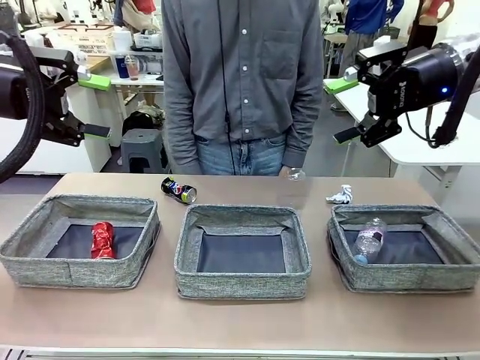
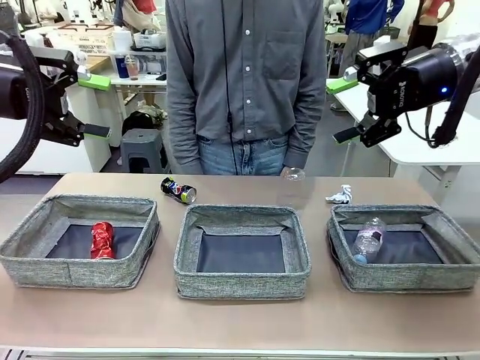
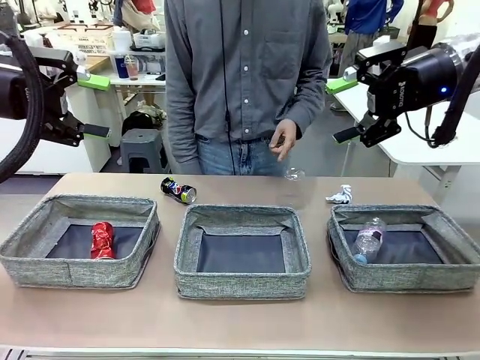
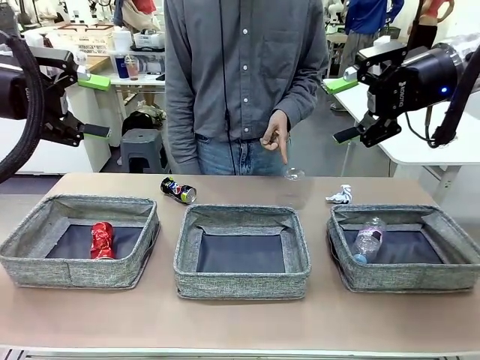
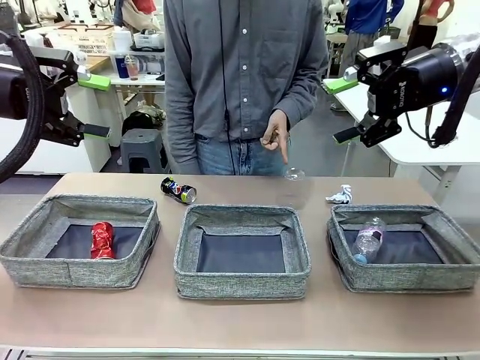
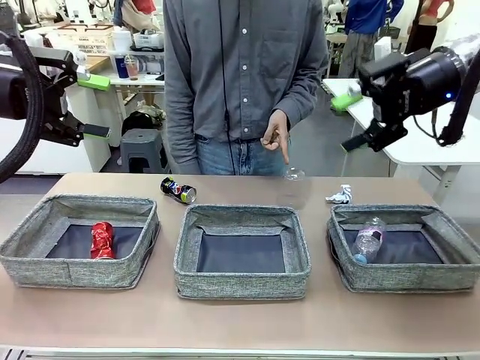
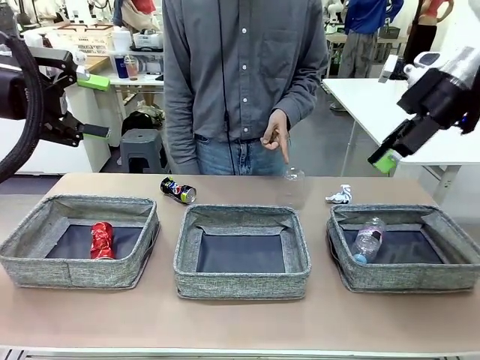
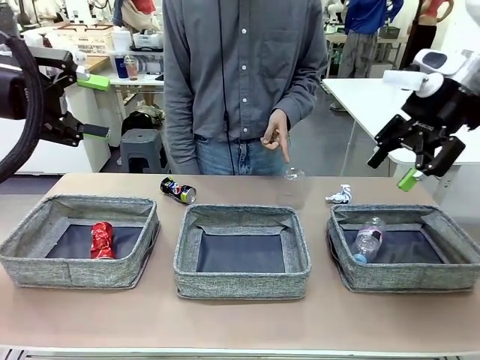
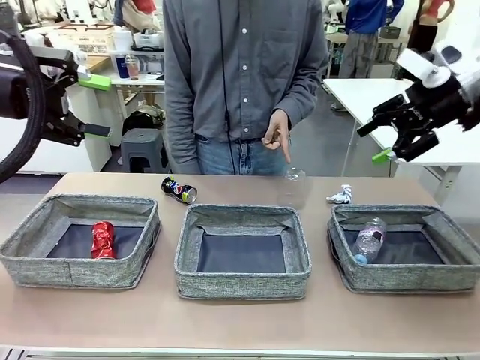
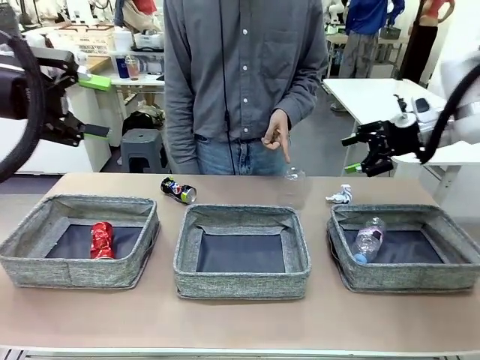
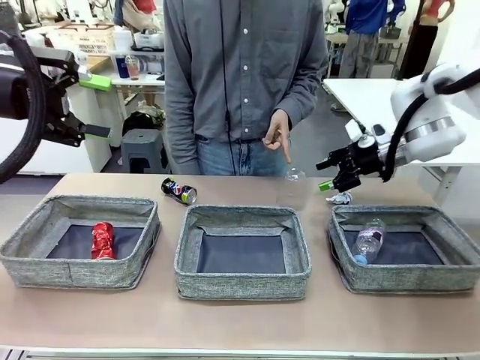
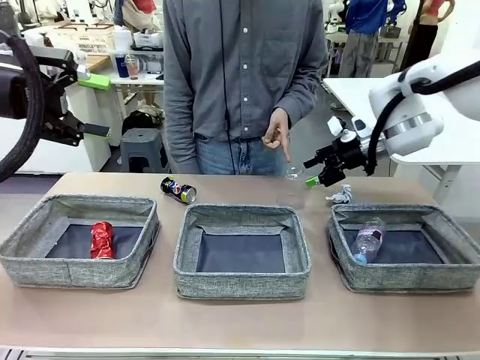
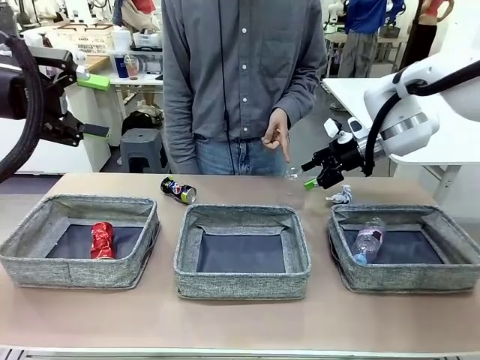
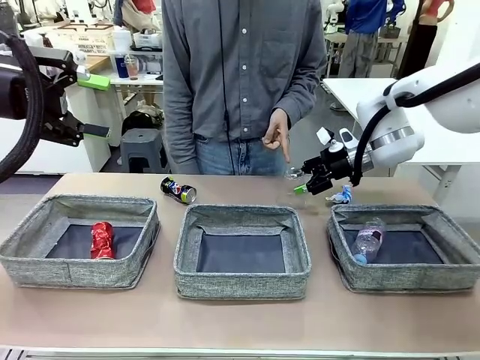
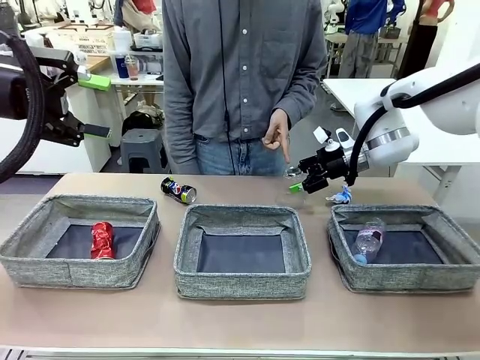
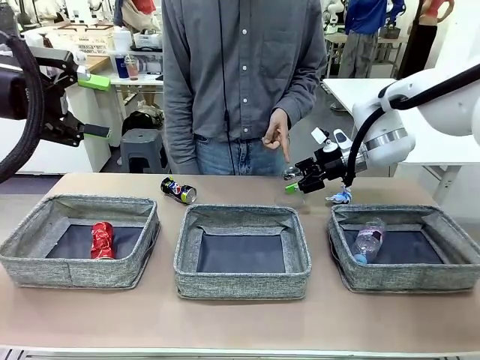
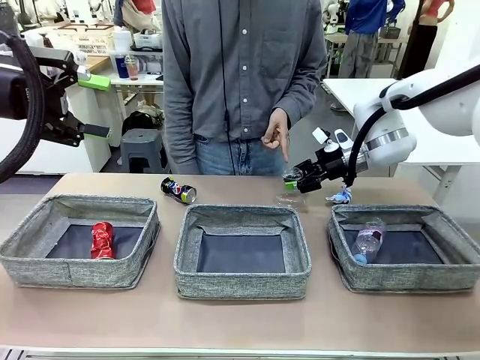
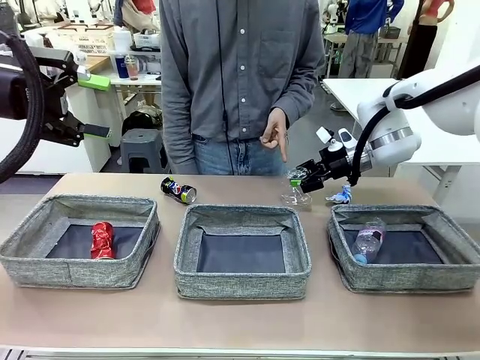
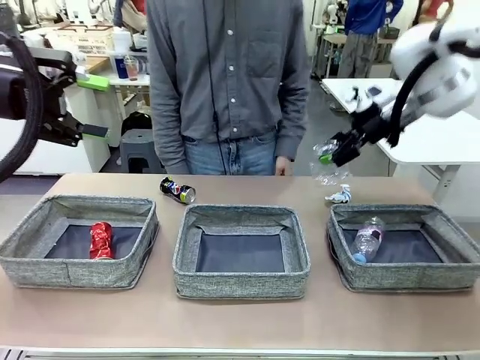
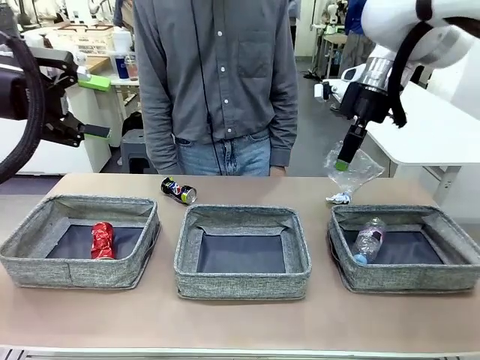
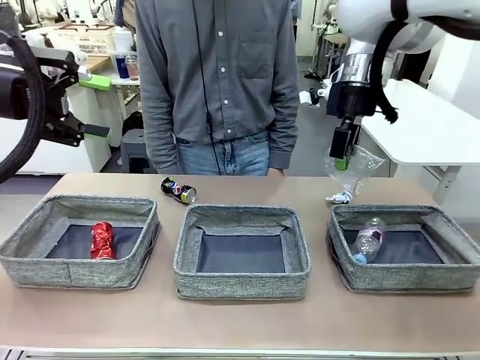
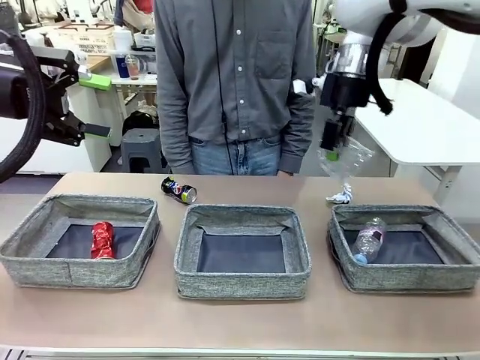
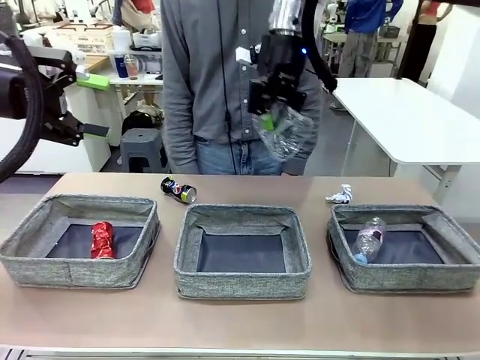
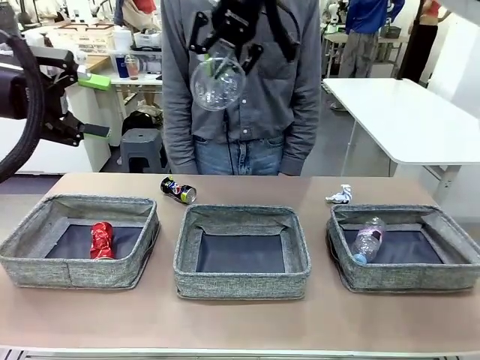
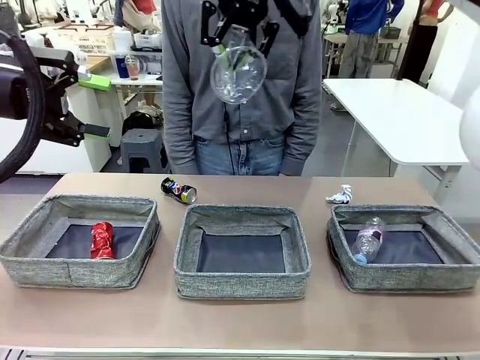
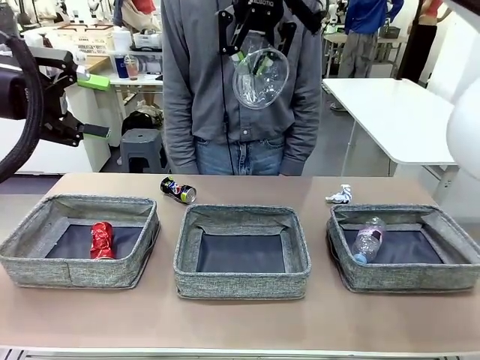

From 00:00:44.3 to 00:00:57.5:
Task: Sort the waste into the appropriate baskets.
Robot: Pick up the waste item pointed out by the person.
Person: Points to one piece of trash on the table.

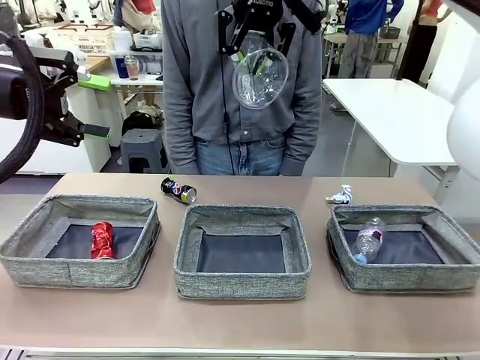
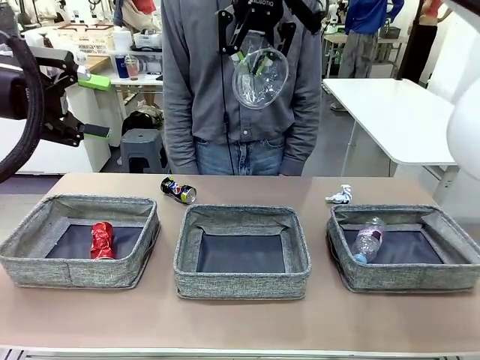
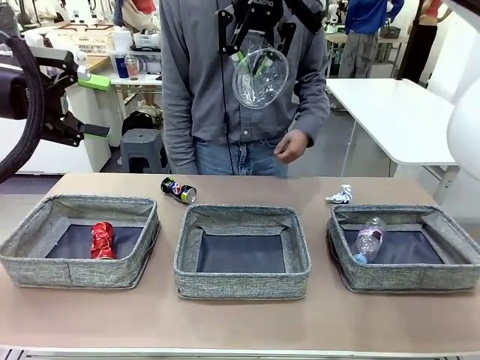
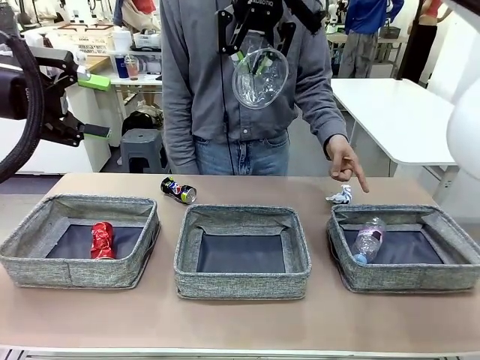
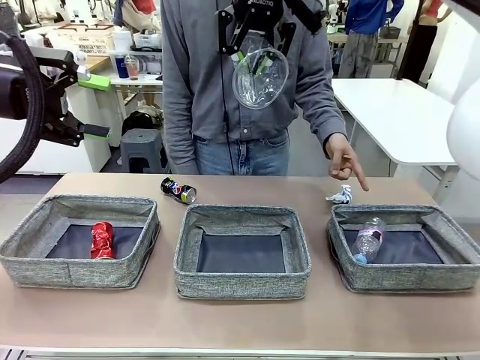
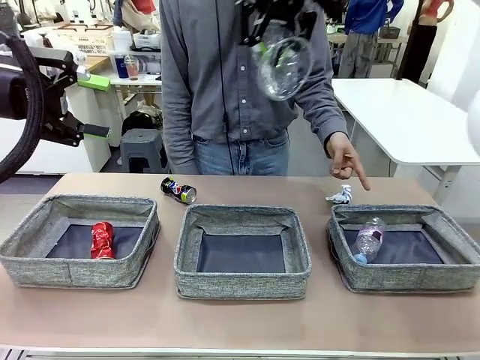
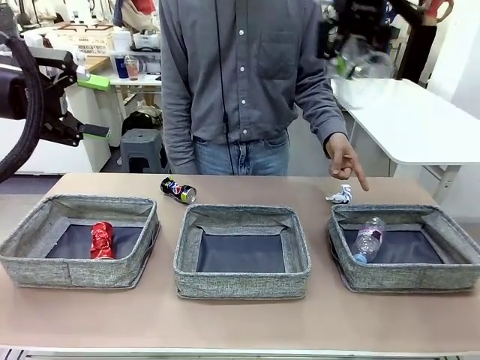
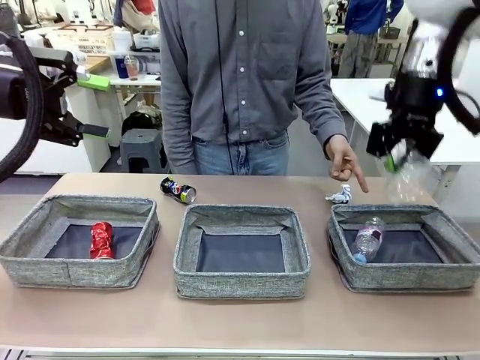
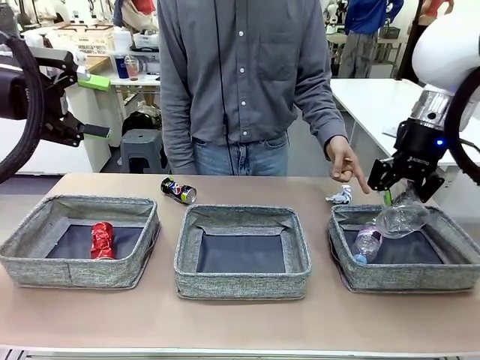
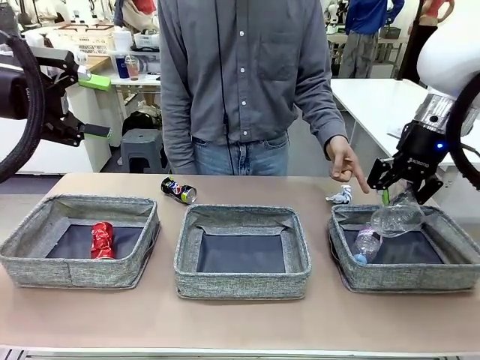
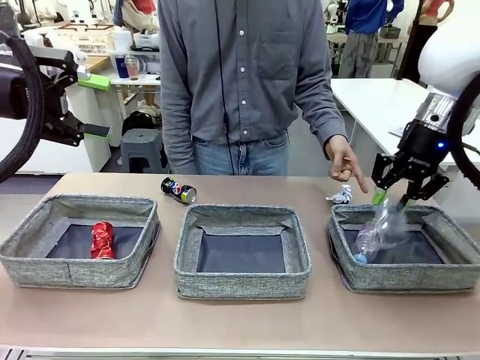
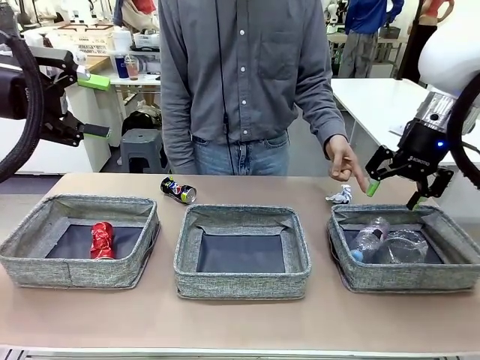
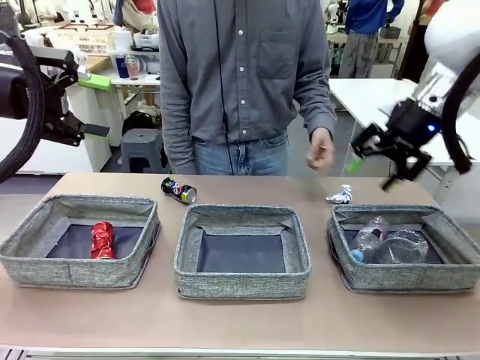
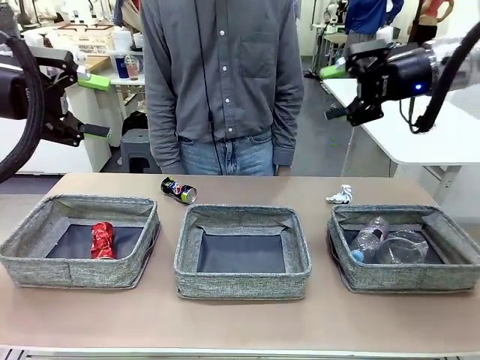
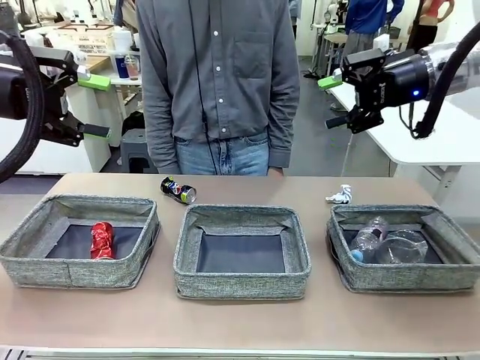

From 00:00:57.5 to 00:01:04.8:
Robot: Place the picked waste into the Fabric basket indicated by the person.
Person: Instructs the robot to place the picked-up trash into the appropriate organizing basket.

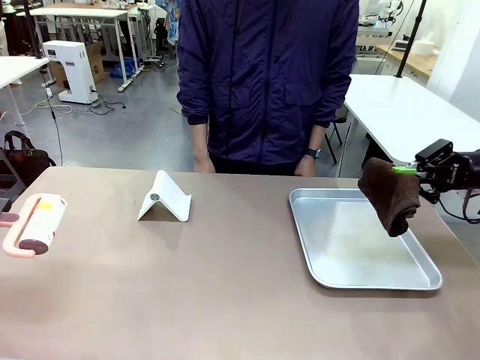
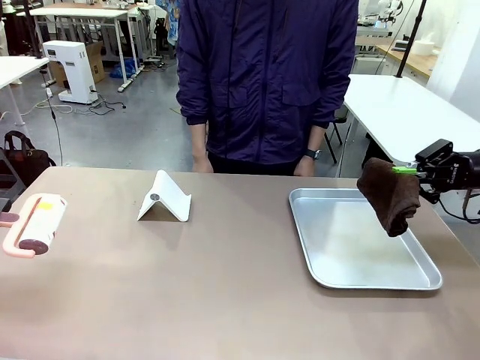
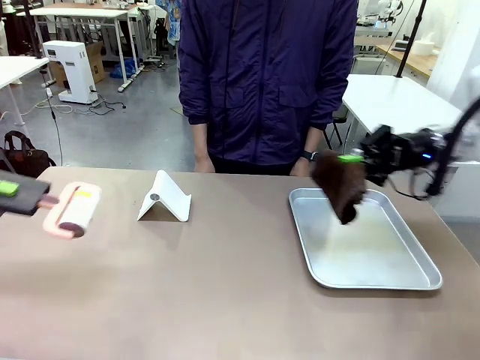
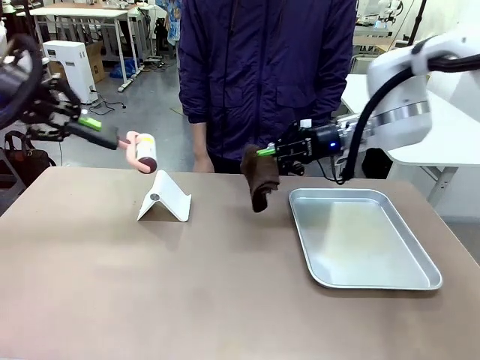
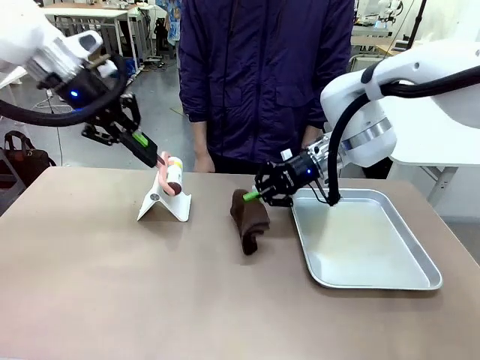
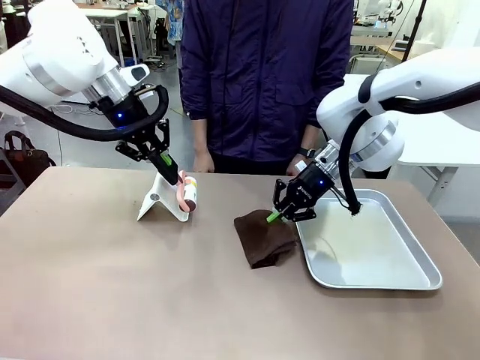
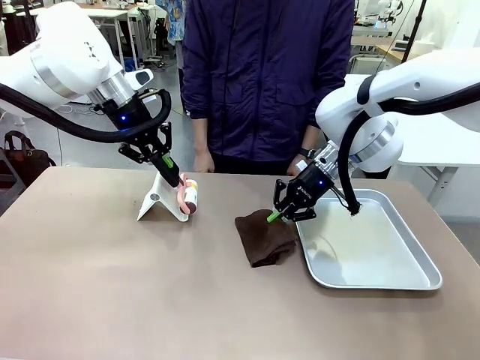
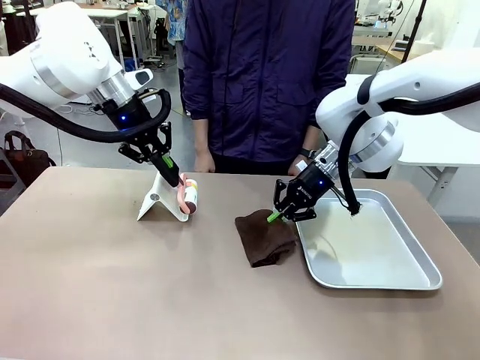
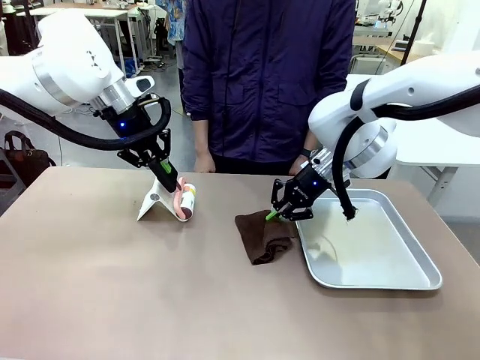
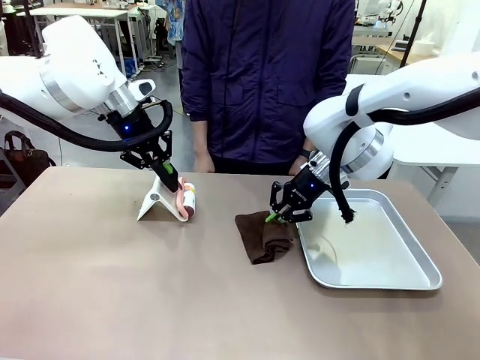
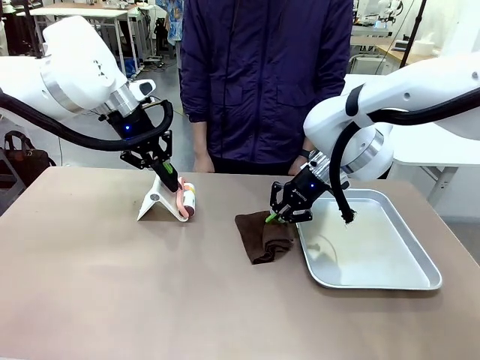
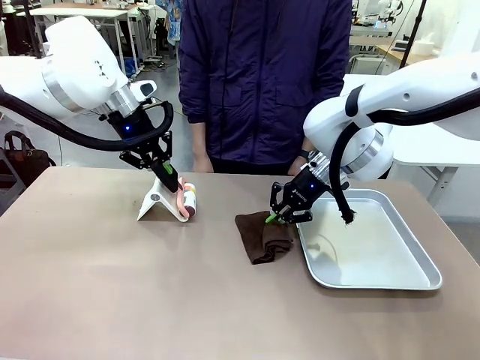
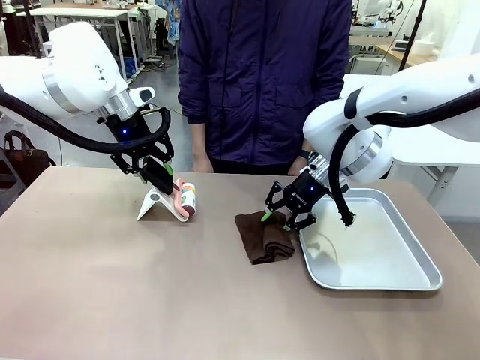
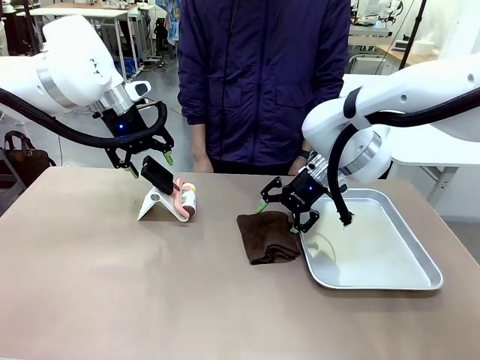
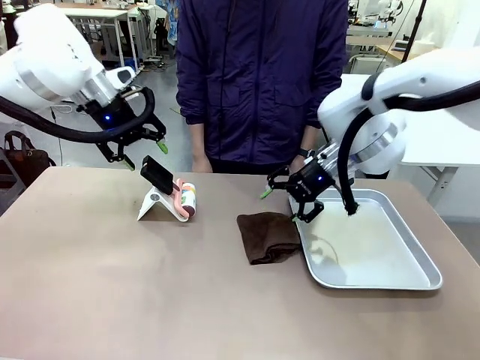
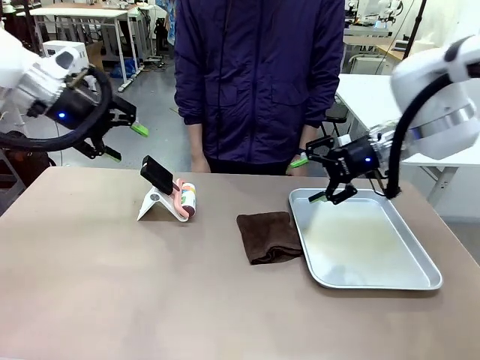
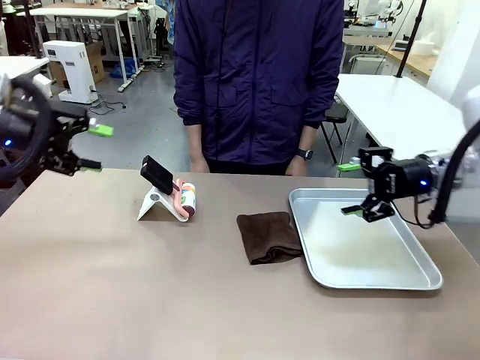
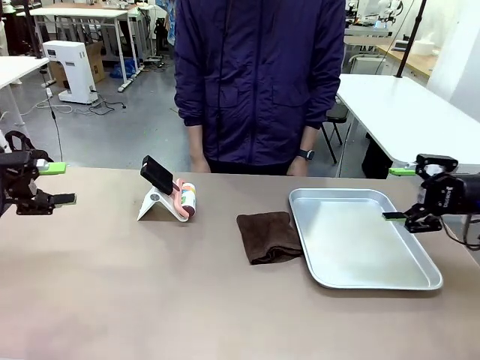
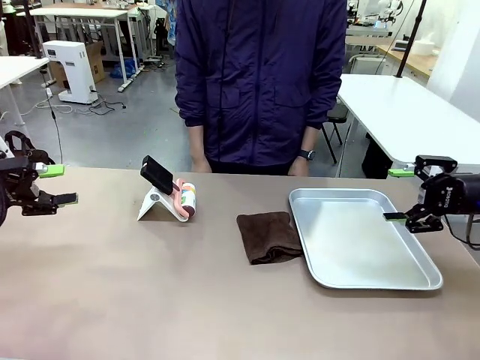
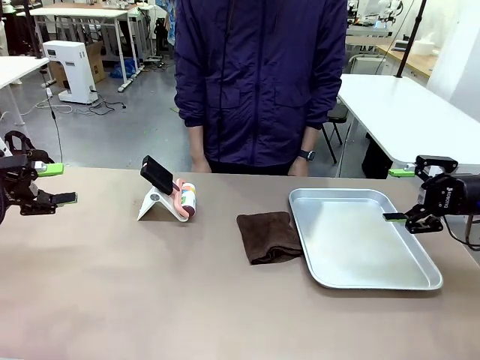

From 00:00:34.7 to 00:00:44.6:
Task: Clean the surface of the table.
Robot: Return the Lint Roller and towel to their original positions.
